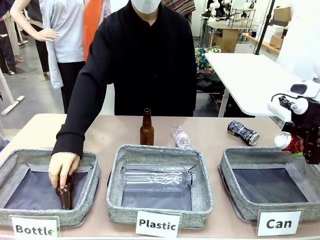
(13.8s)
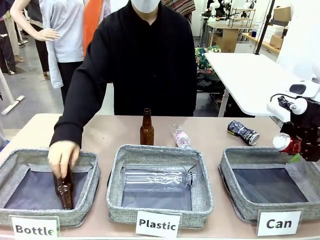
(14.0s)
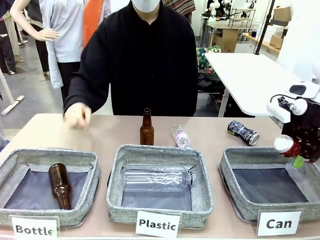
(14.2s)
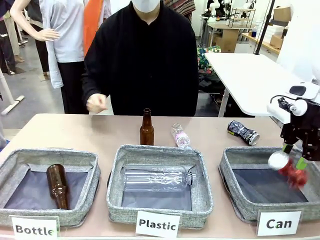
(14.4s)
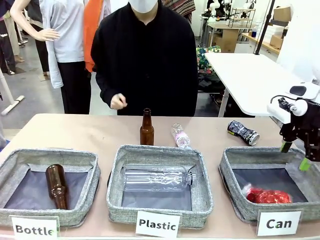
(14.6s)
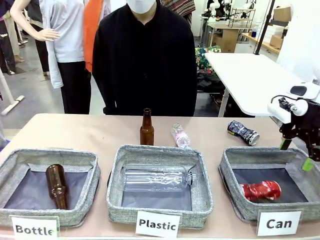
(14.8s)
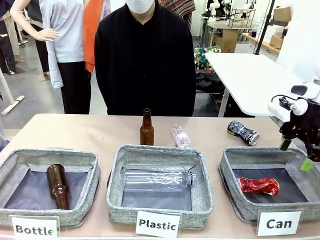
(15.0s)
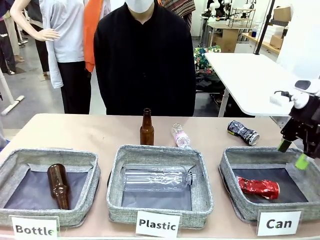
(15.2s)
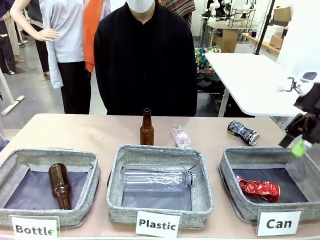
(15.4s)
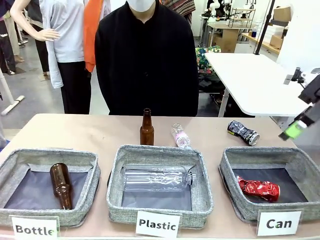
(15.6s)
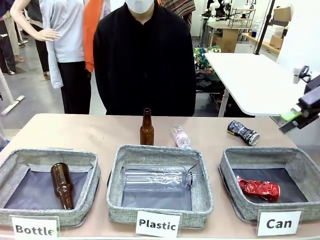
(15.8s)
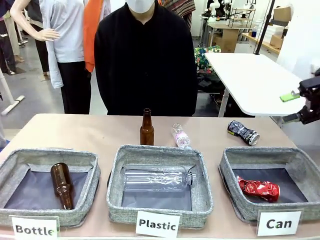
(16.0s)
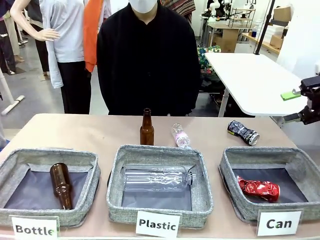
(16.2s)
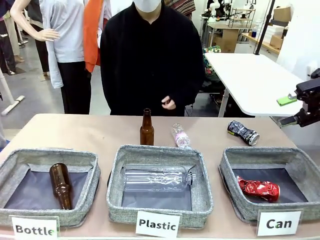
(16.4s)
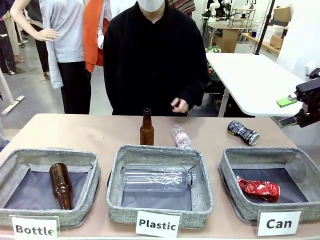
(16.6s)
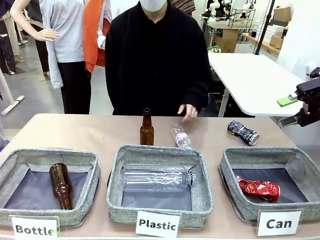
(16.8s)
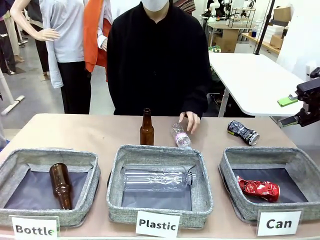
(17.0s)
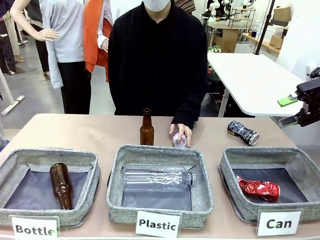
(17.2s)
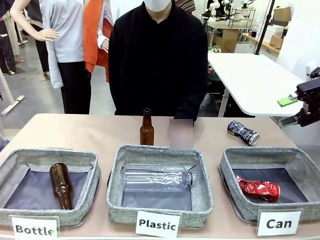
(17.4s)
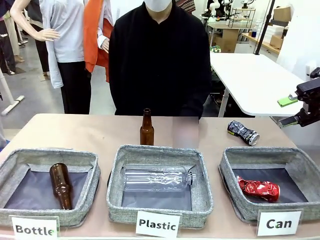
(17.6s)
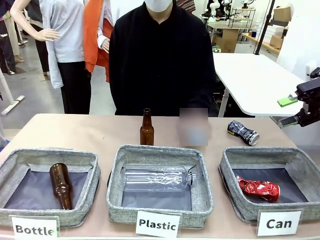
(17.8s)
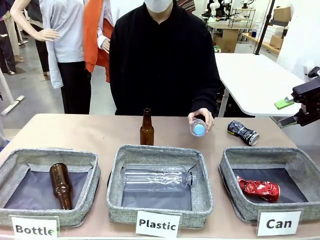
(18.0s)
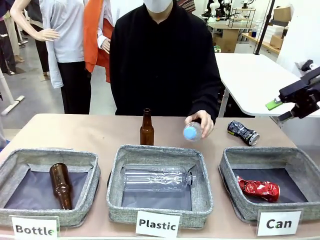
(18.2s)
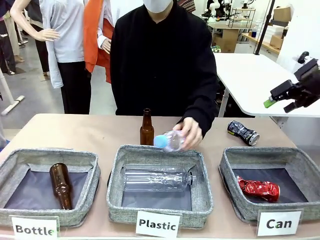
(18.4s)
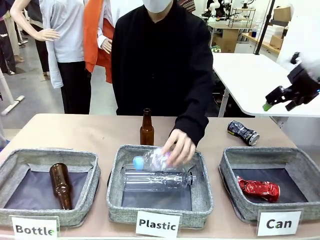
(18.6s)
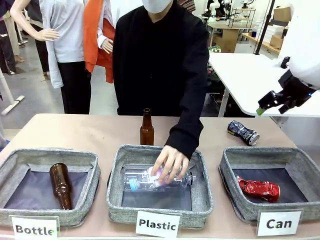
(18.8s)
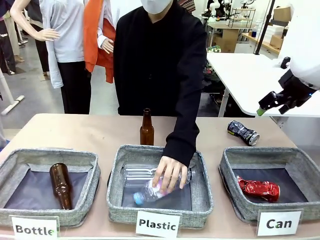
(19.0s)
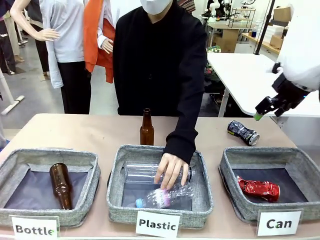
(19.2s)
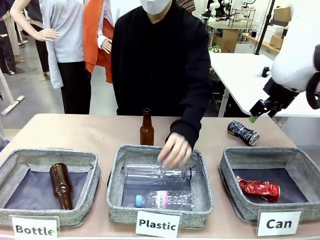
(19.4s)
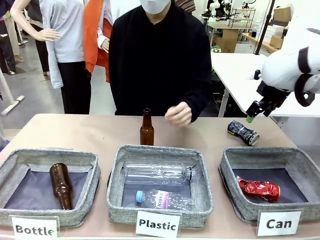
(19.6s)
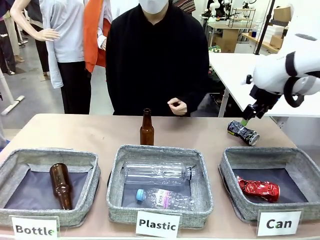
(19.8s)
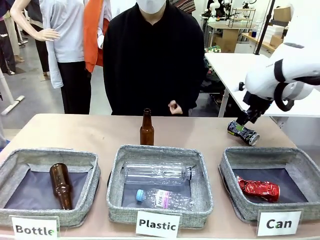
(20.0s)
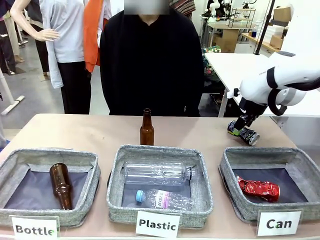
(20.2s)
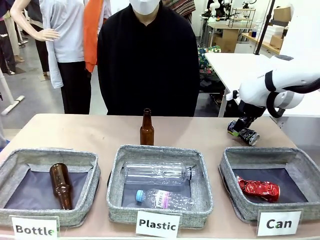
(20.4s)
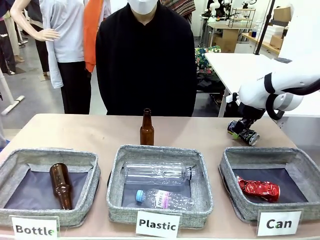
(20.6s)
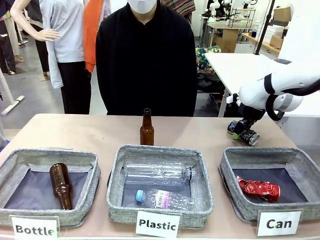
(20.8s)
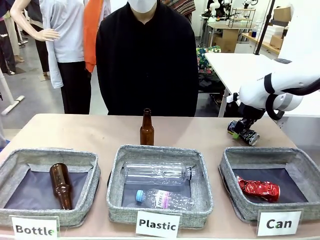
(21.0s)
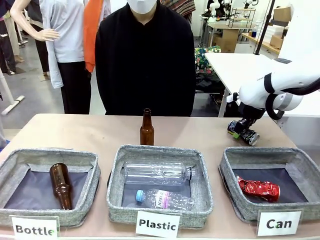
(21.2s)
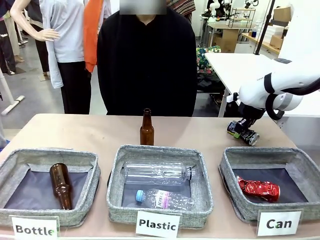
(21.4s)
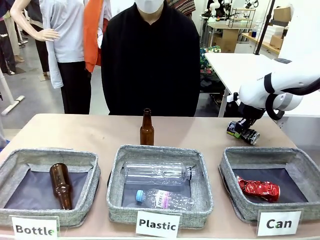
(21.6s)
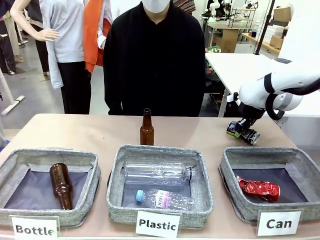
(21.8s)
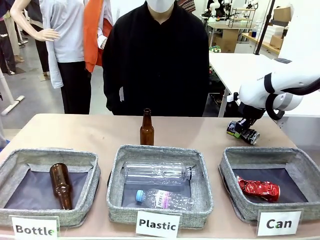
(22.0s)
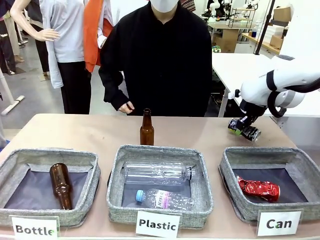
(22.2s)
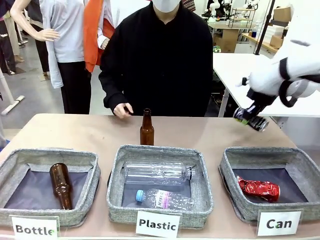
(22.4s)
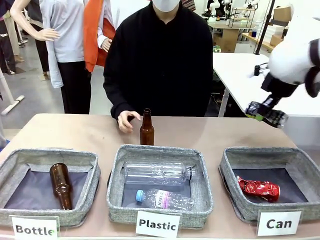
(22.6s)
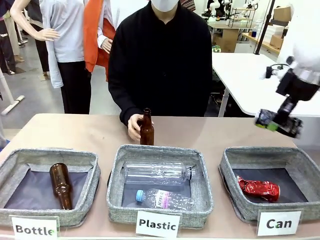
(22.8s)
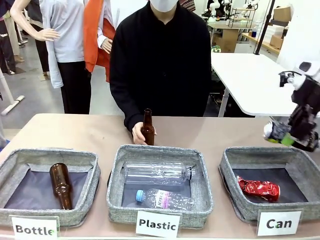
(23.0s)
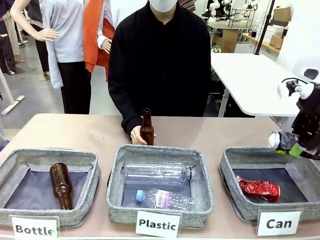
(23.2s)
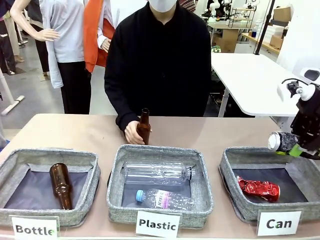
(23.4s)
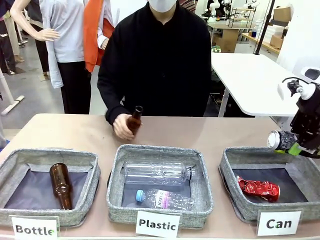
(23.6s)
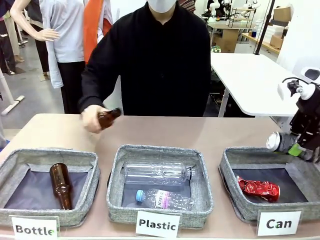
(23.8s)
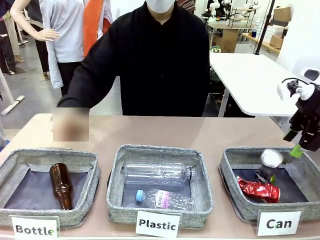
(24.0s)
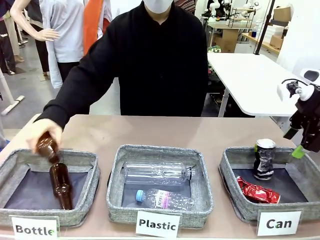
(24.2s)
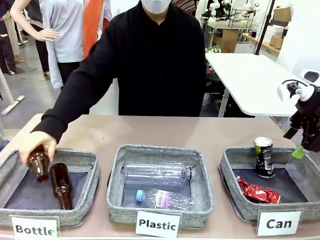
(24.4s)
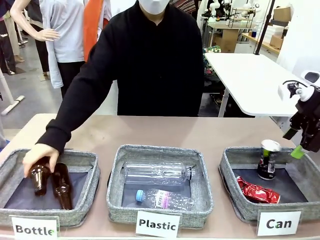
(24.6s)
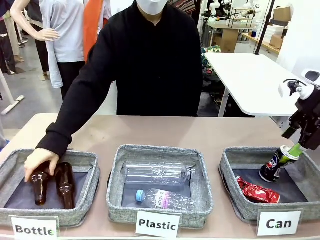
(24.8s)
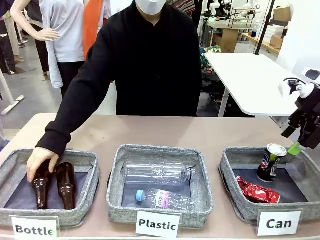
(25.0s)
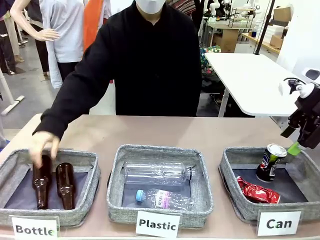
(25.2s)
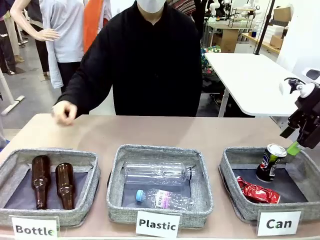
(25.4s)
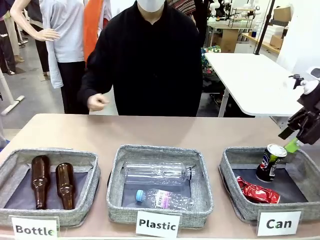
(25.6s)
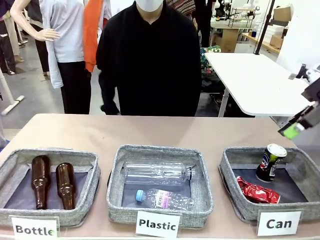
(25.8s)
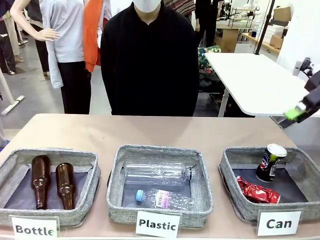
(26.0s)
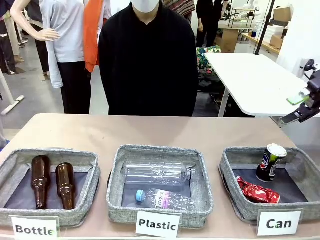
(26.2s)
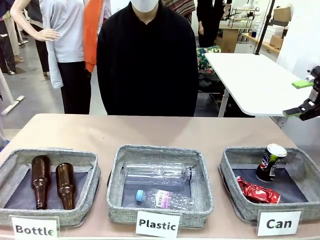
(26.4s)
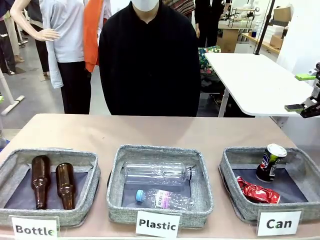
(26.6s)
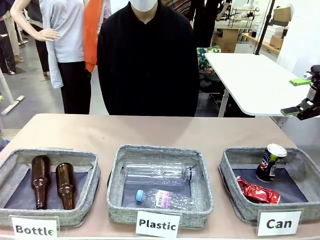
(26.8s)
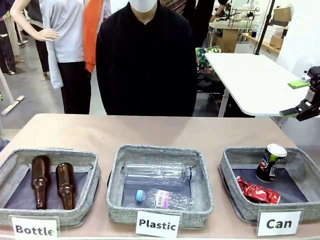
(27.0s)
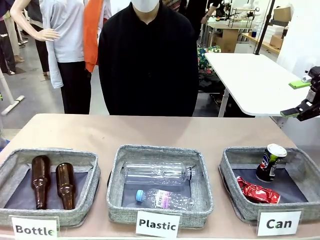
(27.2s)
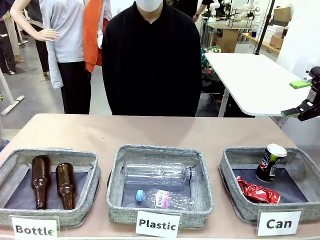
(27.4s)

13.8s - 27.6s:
Task: Sort the can waste into the basket.
Robot: Pick up the can waste from the table and place it in the right Fabric basket.

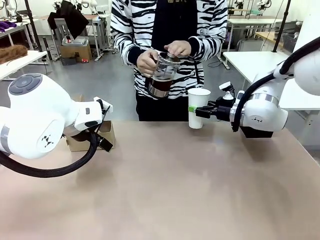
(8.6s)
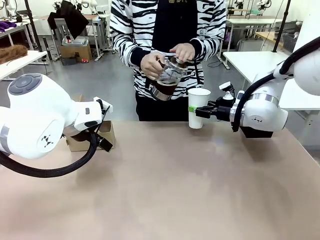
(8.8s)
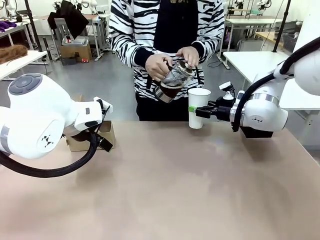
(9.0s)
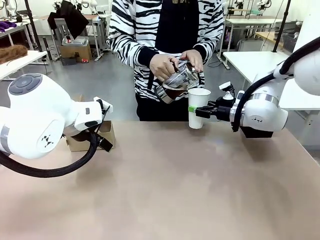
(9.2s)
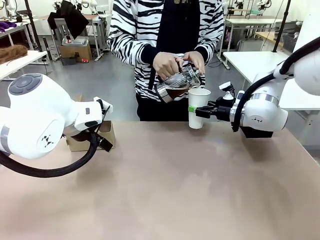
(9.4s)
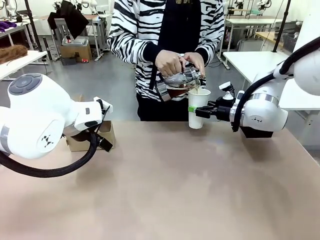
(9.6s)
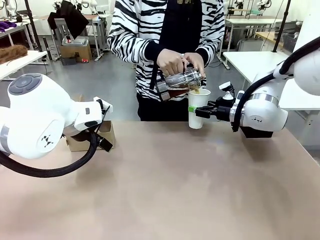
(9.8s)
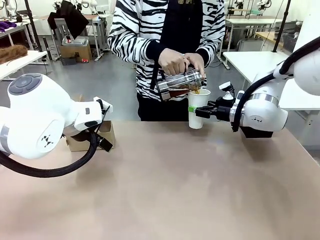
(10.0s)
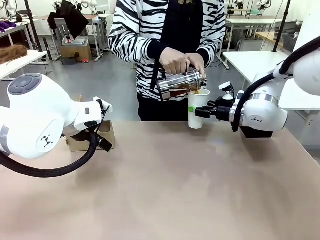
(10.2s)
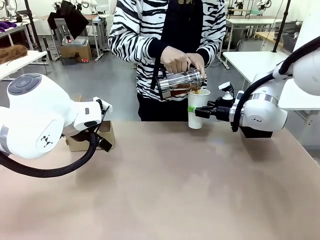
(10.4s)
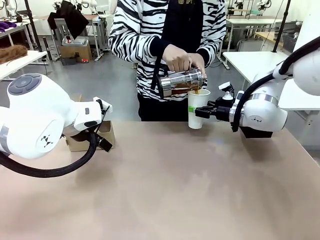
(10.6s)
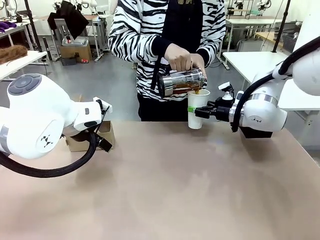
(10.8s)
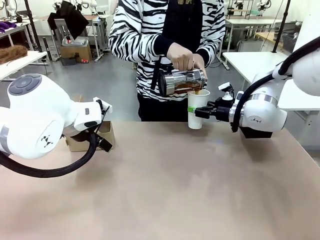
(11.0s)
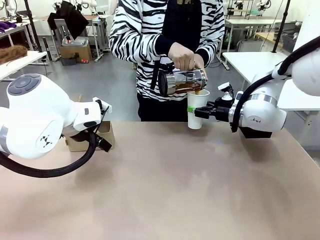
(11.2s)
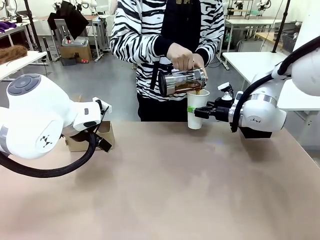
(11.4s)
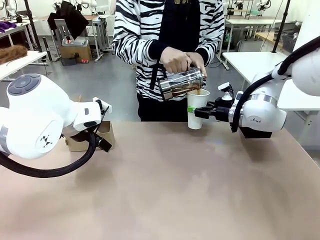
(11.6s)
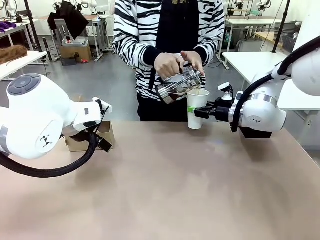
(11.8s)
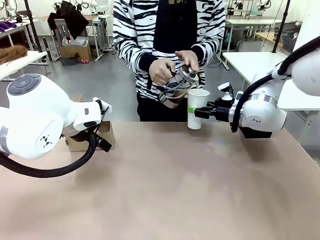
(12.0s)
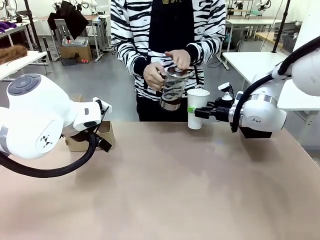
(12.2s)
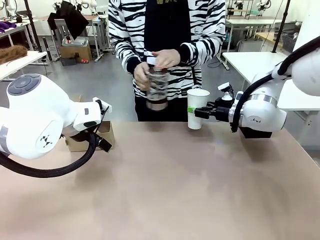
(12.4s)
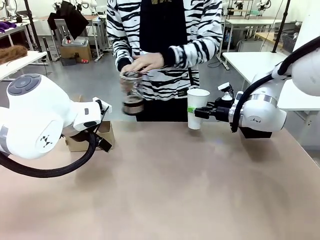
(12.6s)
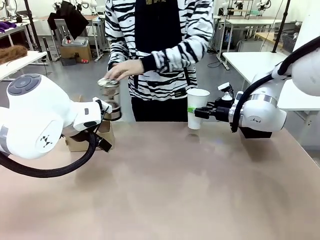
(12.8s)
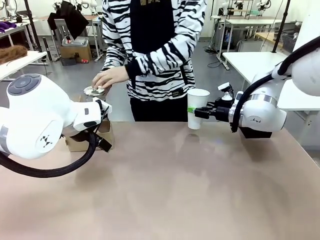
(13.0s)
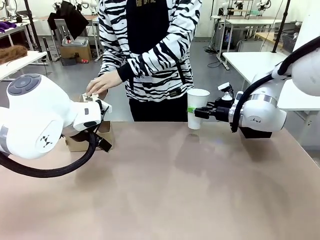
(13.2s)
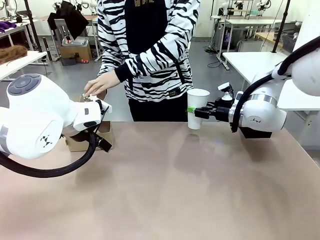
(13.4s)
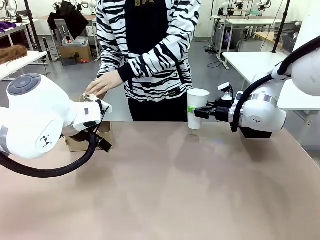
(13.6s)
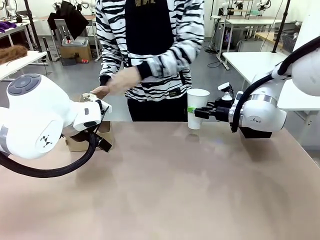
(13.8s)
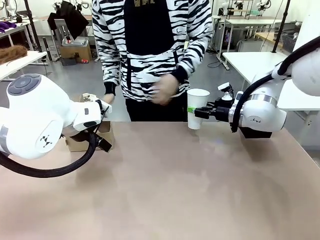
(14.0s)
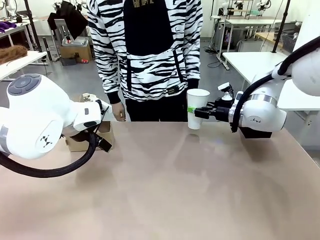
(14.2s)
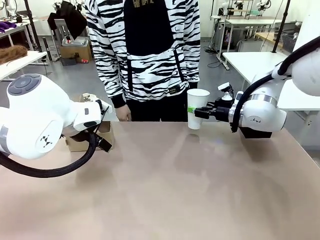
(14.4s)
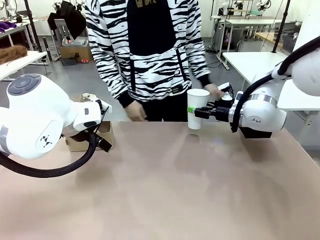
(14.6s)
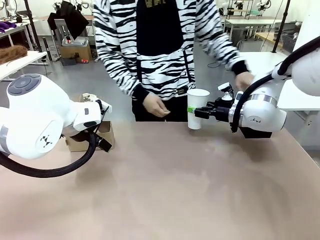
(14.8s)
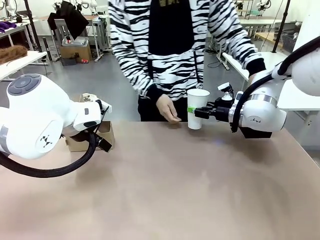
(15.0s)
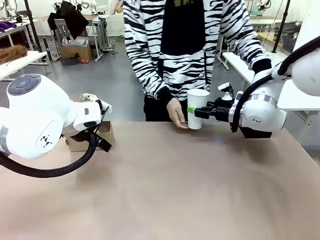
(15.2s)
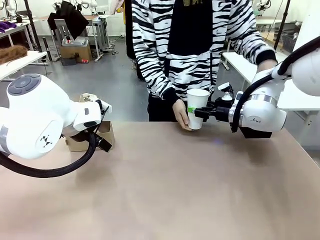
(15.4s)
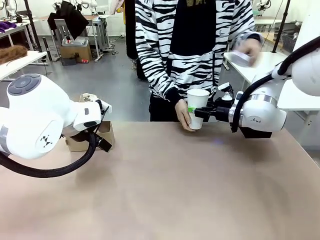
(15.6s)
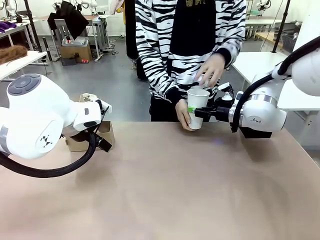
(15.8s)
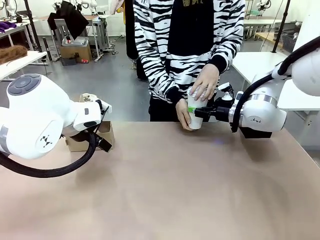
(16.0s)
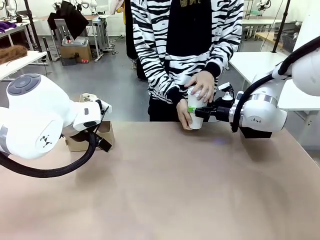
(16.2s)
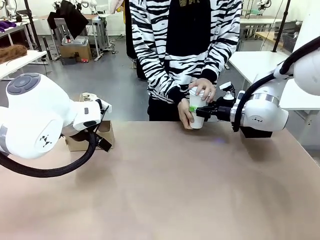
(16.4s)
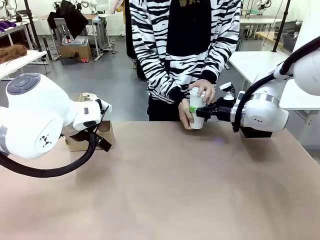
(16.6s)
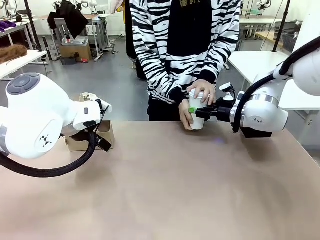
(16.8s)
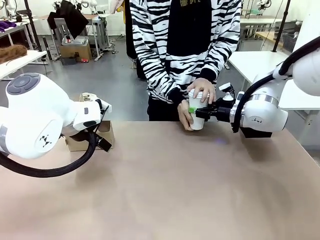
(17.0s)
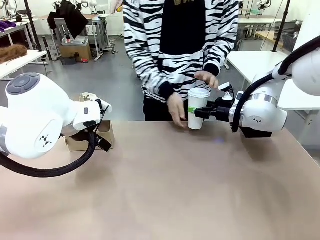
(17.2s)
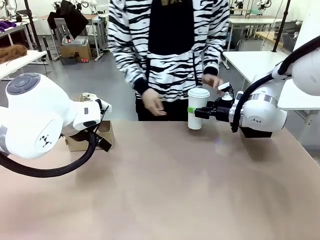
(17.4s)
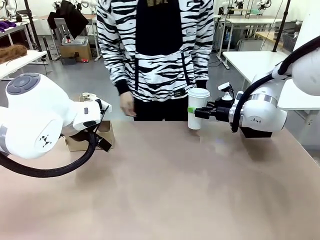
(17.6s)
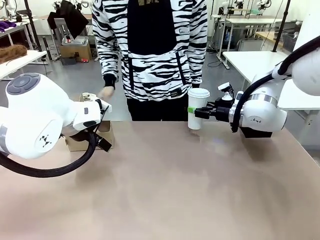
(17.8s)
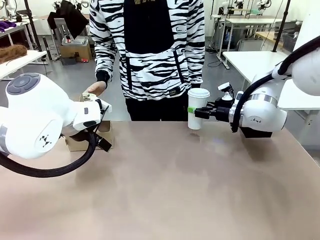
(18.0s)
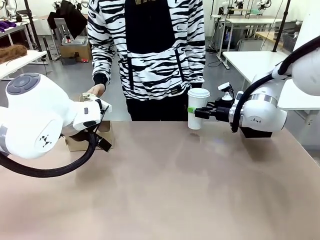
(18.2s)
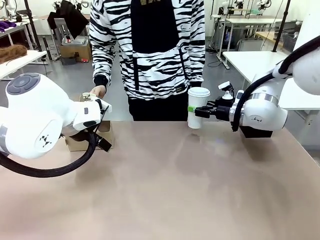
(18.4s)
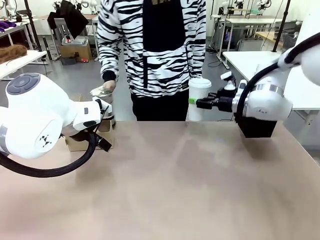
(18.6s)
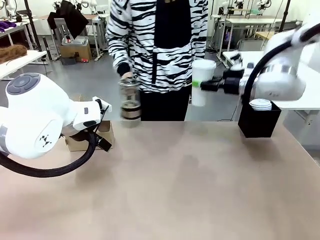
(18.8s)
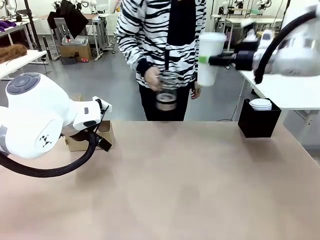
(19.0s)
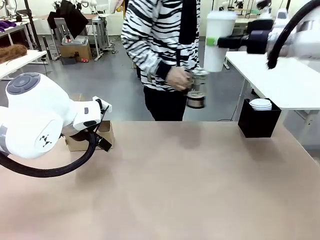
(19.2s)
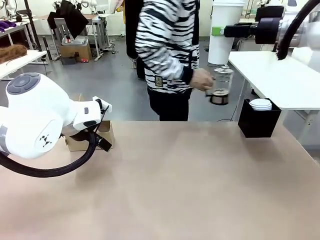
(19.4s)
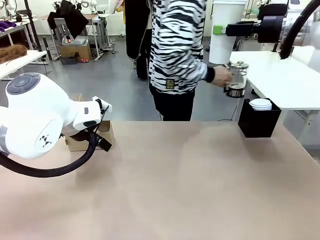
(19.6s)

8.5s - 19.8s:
Task: Pour a drink into a cup and package it in a carrier.
Robot: When a person places the Paper Cup Lid on the 600 ml Paper Cup , lift the 600 ml Paper Cup.
Person: Pour the drink from the Filter Brewing into the 600 ml Paper Cup. Place a Paper Cup Lid on the 600 ml Paper Cup.
